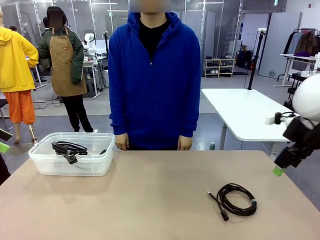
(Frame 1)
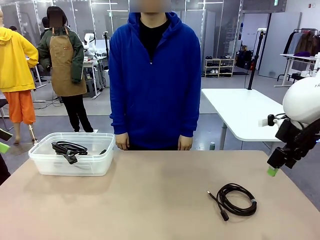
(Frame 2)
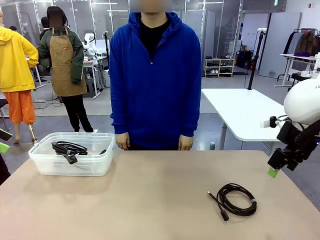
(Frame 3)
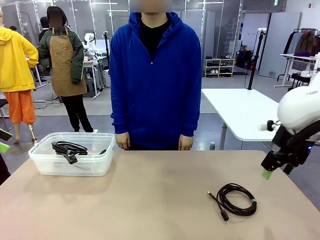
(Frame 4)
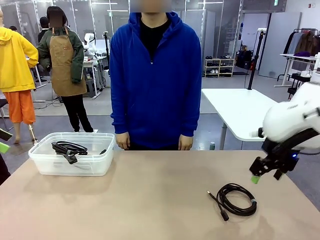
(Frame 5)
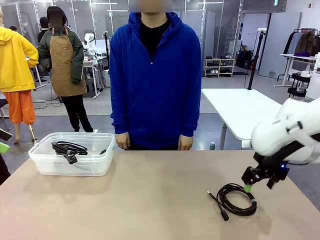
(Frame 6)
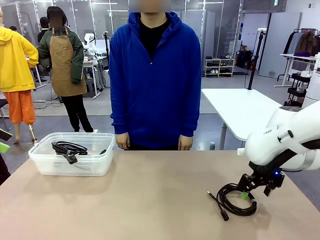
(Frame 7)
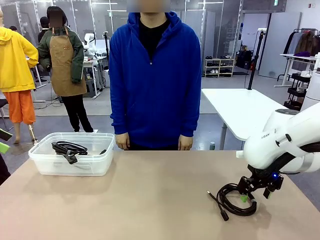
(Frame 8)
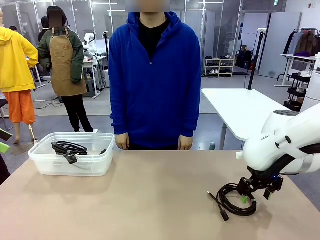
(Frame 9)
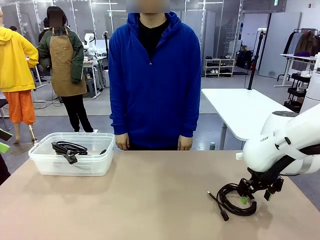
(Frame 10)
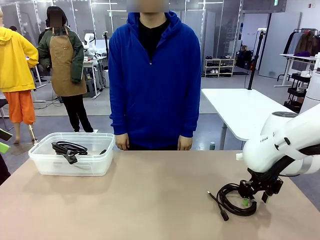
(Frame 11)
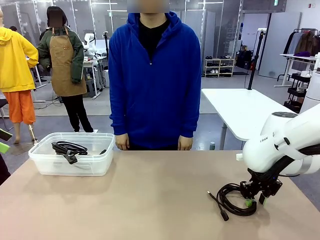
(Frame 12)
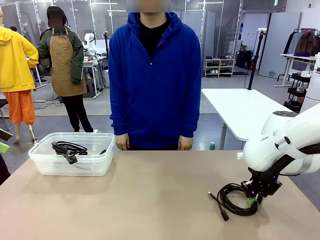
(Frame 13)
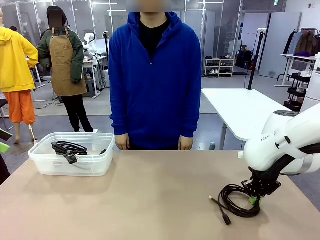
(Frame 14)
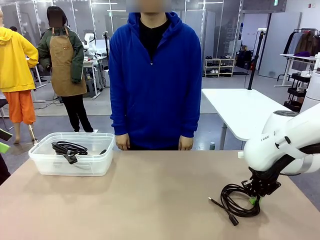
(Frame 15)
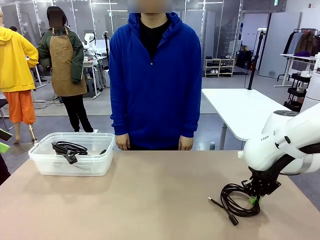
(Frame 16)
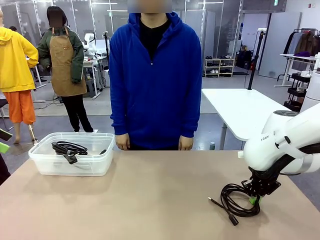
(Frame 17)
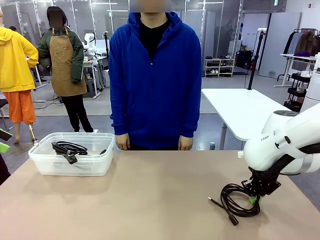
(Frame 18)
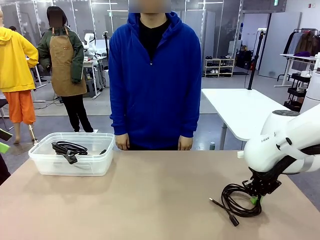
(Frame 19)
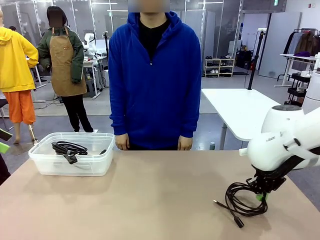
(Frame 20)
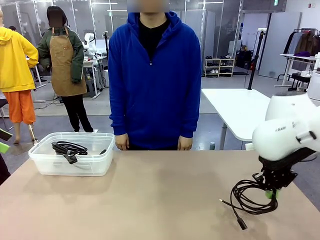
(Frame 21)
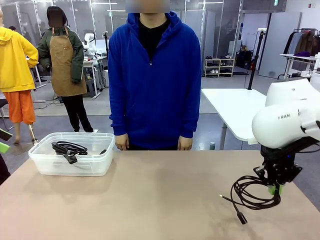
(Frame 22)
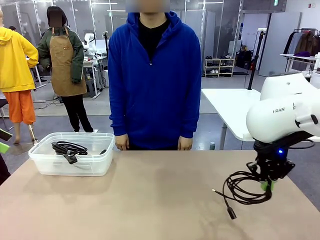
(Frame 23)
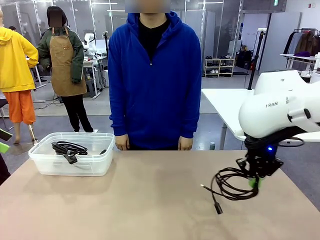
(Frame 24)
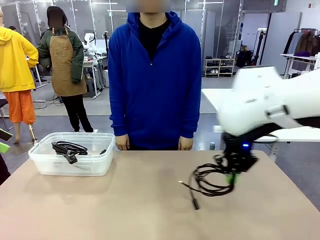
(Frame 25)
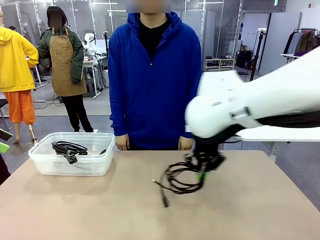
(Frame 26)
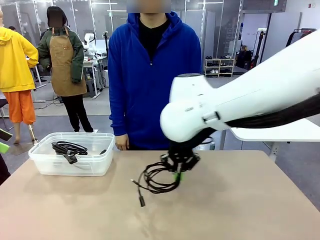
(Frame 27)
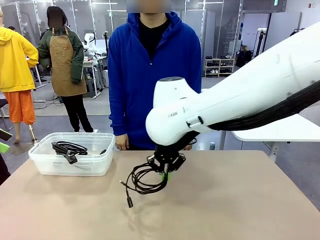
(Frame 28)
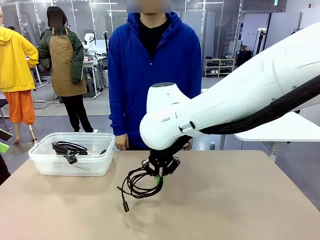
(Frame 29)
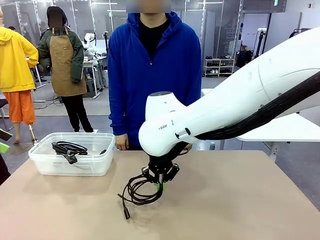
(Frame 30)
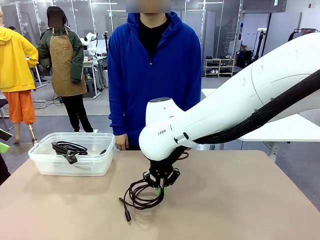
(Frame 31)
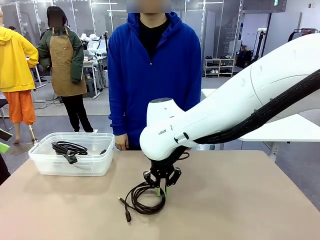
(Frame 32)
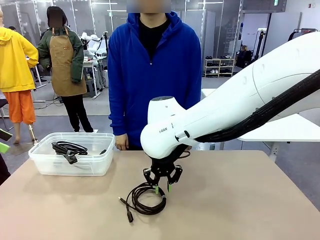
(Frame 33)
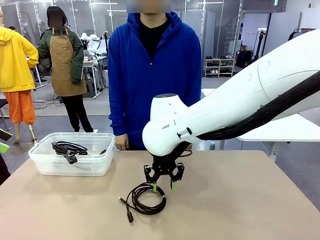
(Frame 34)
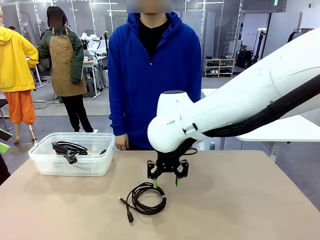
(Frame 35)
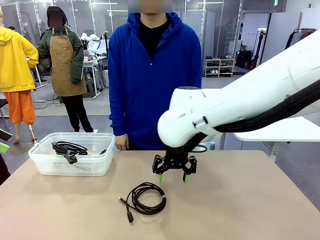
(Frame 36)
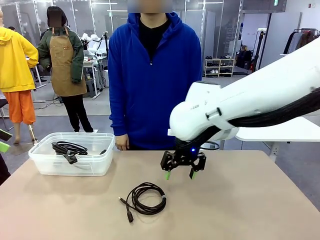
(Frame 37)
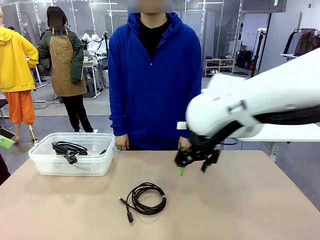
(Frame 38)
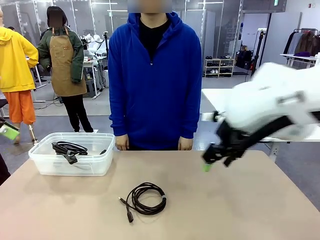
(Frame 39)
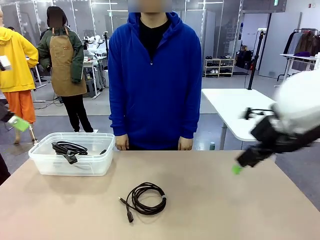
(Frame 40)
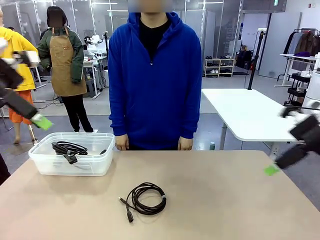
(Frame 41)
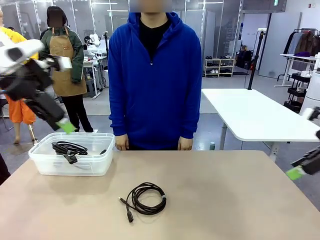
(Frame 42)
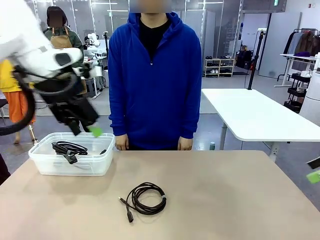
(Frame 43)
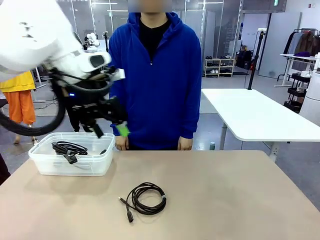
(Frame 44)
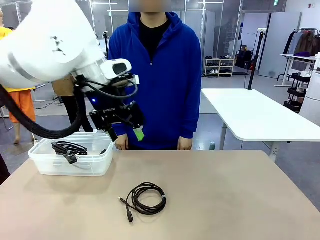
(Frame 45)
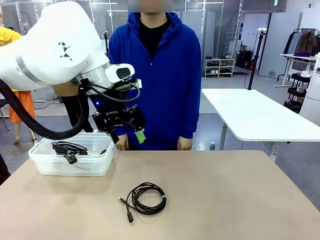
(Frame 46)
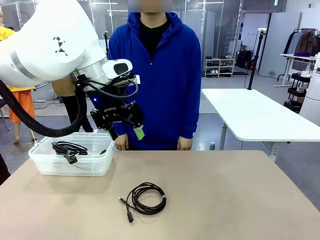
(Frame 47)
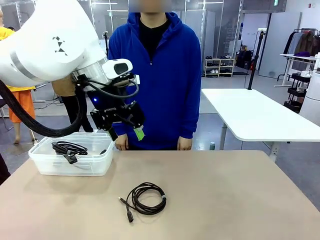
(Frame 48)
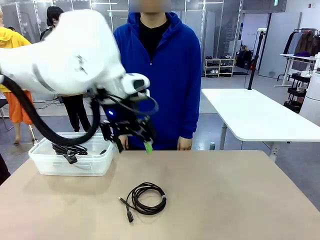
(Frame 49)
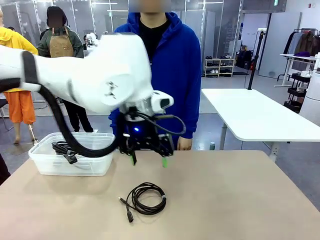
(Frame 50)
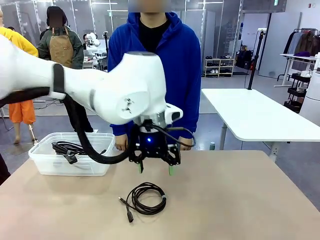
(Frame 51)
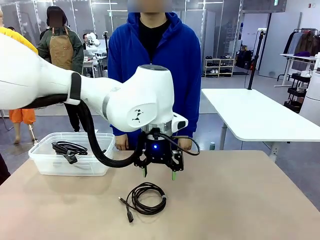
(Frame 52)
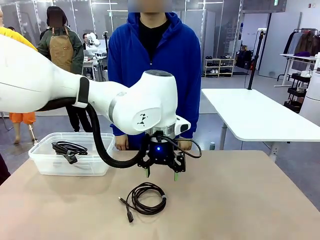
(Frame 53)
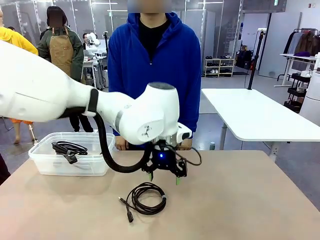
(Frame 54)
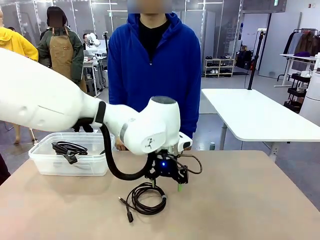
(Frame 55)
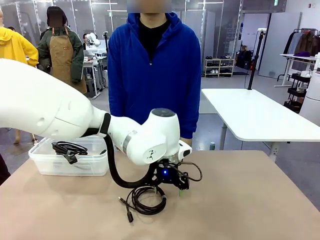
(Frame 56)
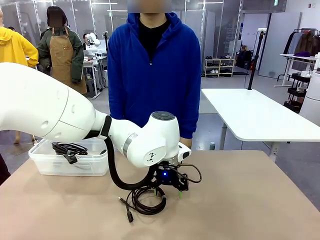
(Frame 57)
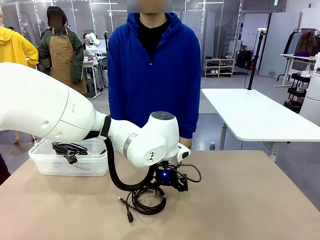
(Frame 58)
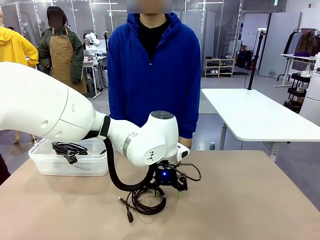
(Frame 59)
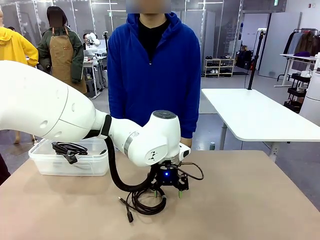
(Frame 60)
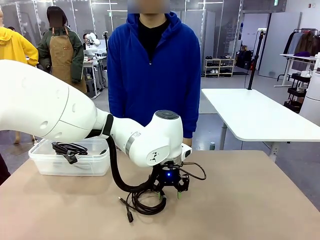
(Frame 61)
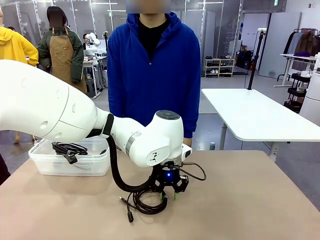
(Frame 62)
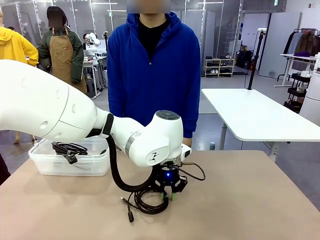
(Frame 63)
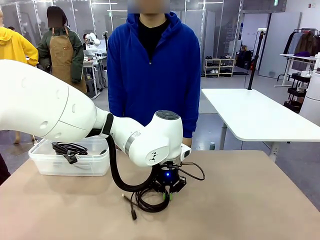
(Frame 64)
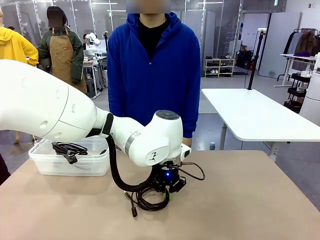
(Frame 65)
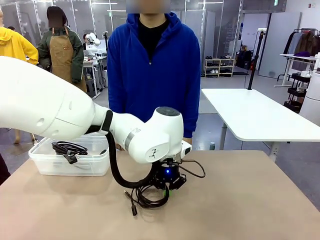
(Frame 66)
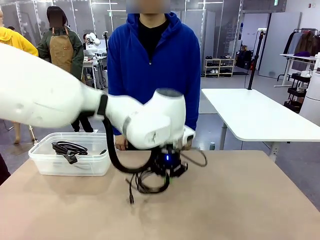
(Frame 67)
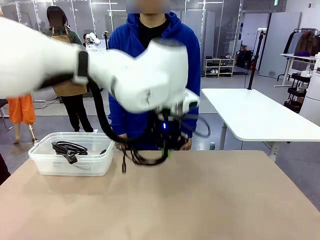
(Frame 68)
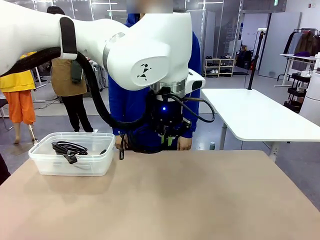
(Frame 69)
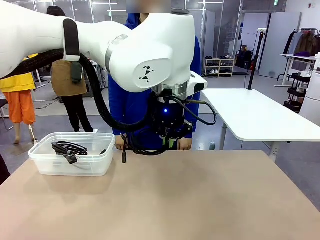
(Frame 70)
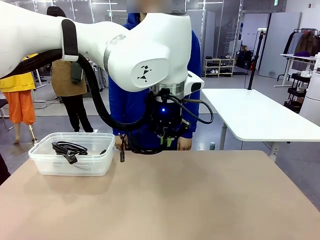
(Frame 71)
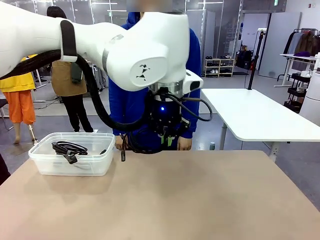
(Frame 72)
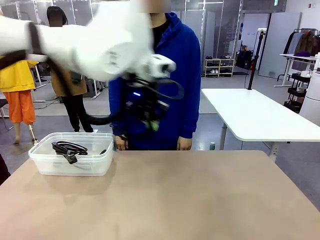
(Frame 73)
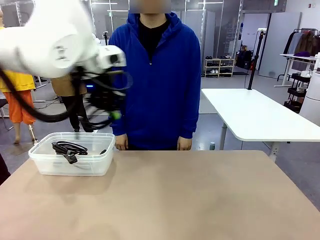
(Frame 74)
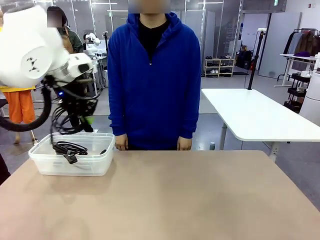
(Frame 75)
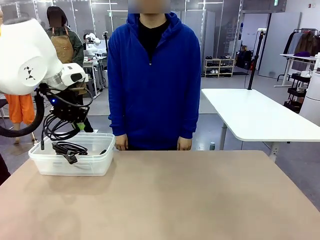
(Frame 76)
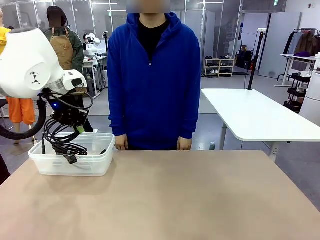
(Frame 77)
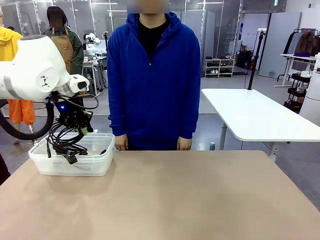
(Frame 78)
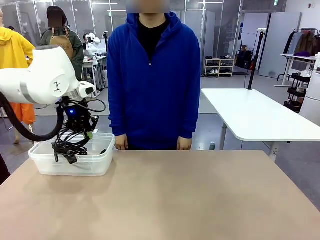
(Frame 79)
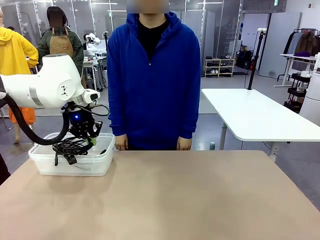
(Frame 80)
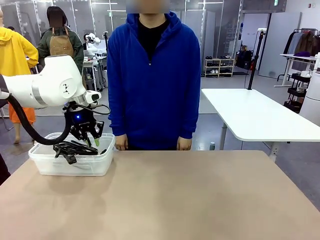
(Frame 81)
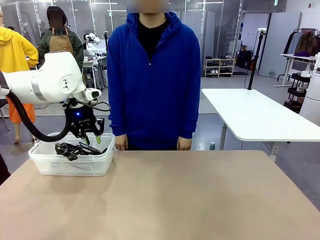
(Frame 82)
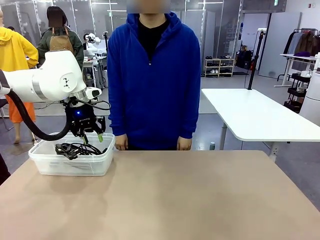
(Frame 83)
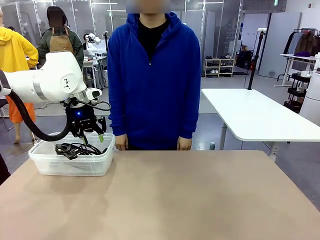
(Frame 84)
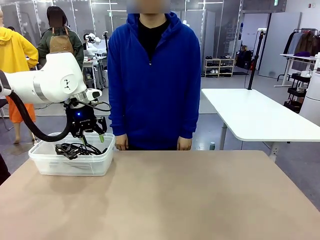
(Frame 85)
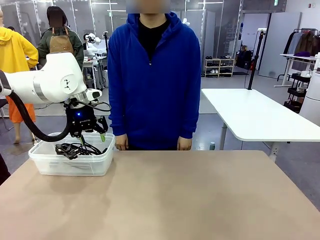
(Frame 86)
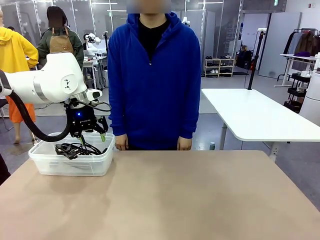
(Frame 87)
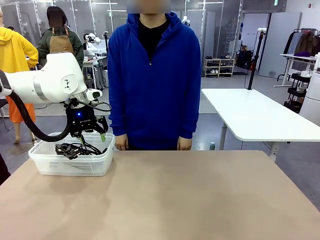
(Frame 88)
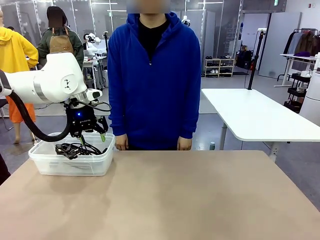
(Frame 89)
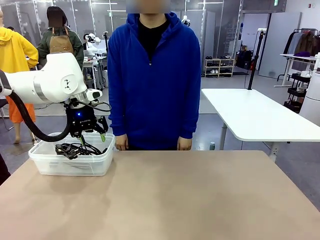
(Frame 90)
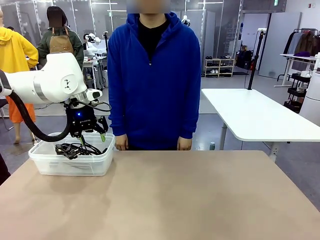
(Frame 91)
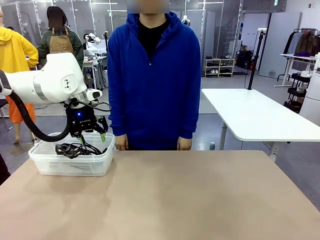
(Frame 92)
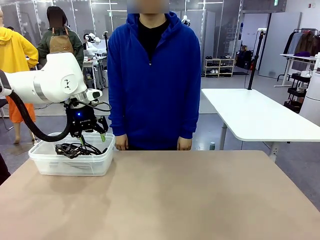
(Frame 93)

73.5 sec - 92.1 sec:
Task: Organize and store the cables.
Robot: Place the USB Extension Cable into the Organizing box.
